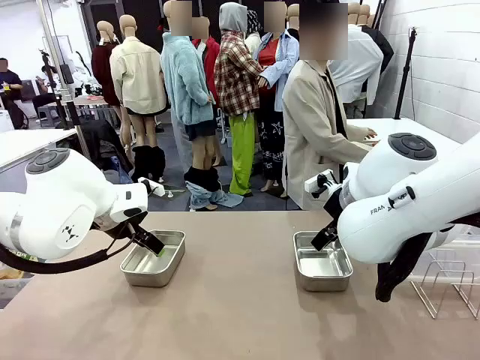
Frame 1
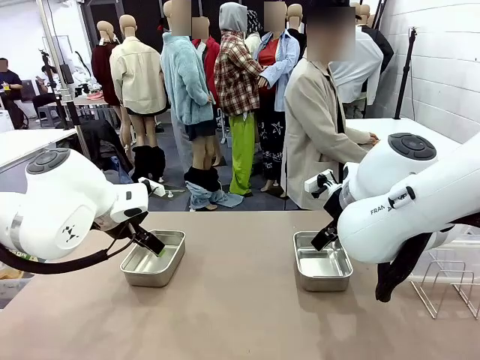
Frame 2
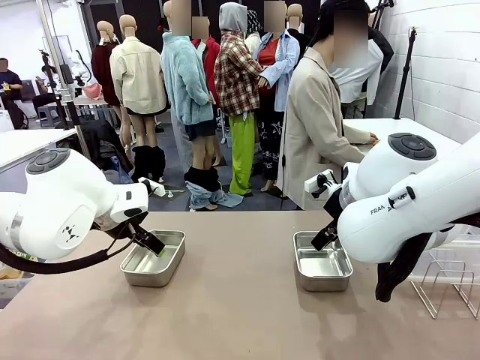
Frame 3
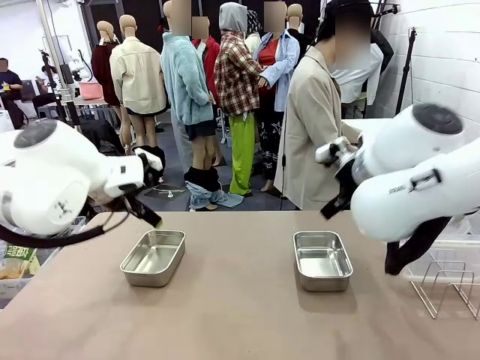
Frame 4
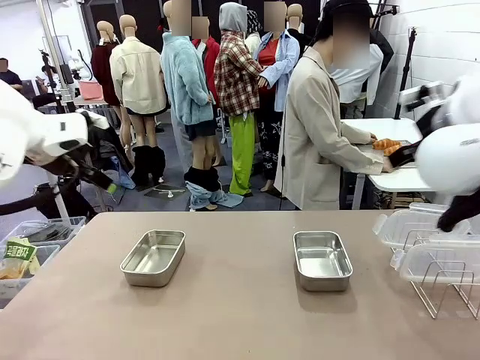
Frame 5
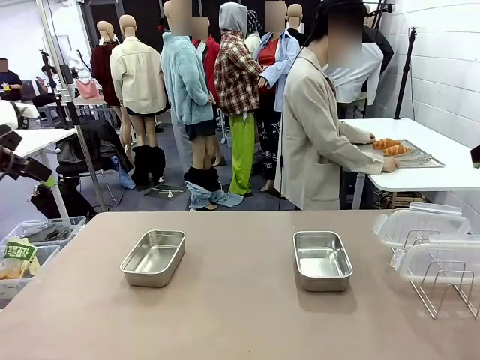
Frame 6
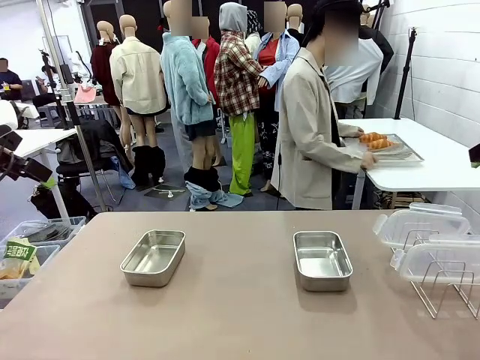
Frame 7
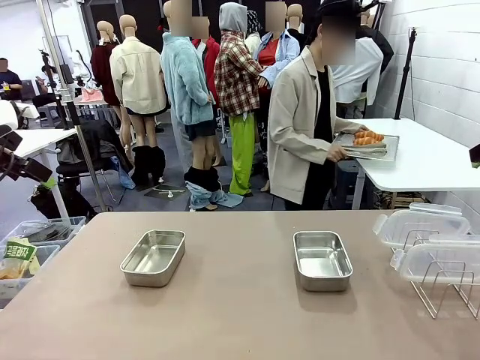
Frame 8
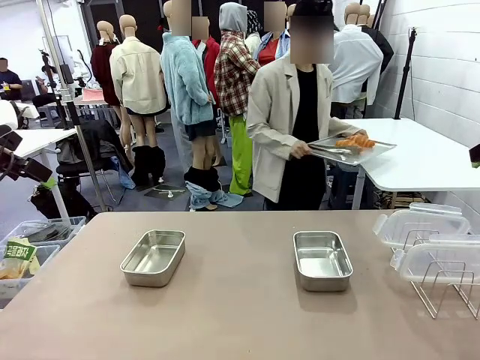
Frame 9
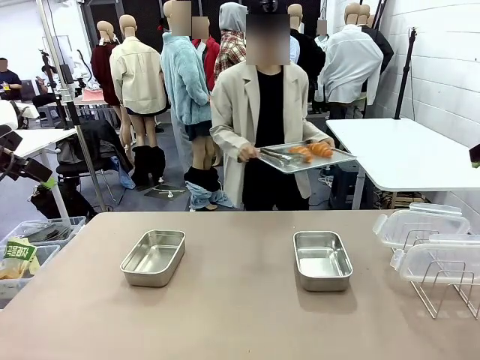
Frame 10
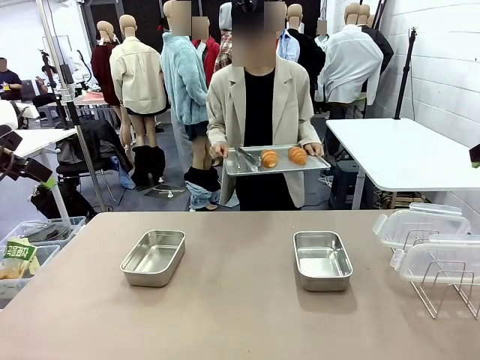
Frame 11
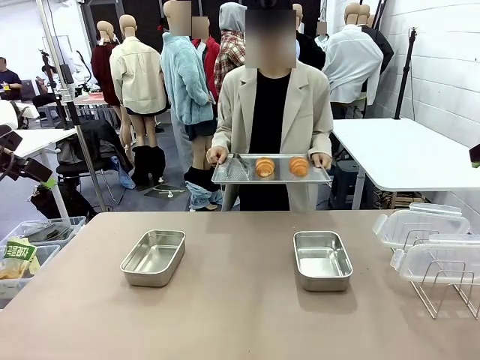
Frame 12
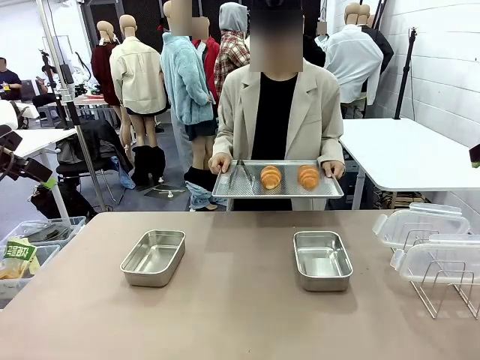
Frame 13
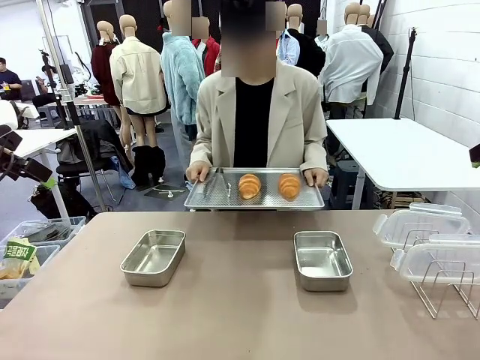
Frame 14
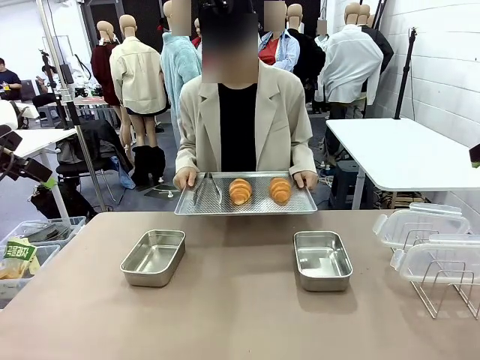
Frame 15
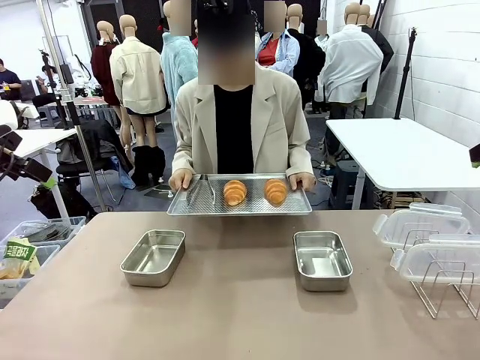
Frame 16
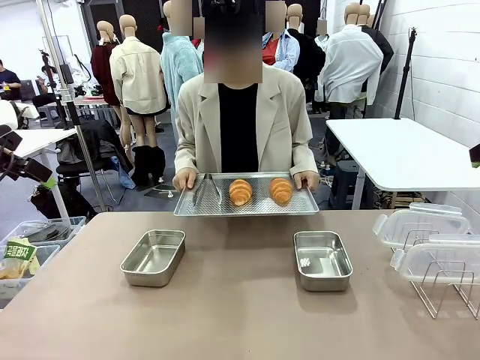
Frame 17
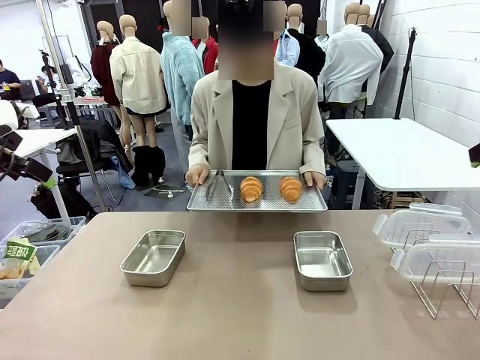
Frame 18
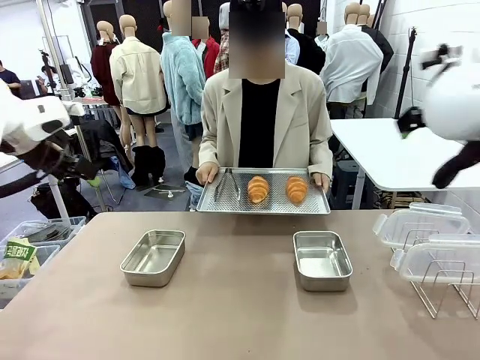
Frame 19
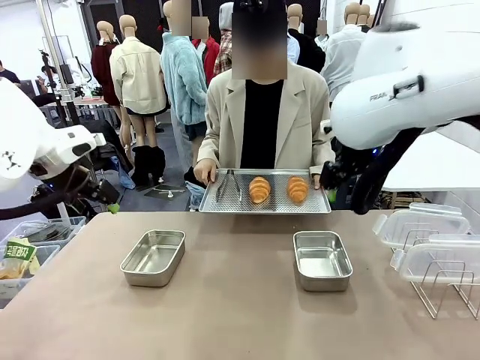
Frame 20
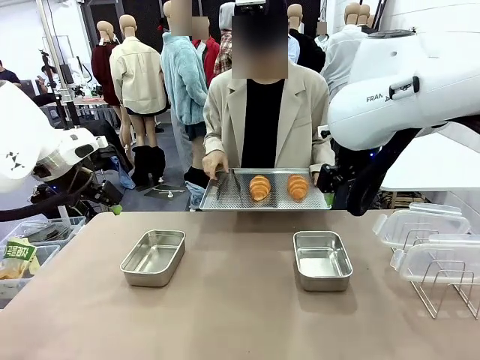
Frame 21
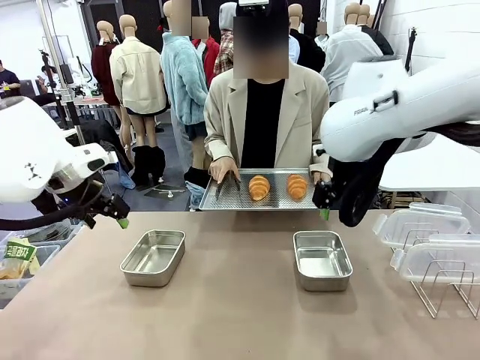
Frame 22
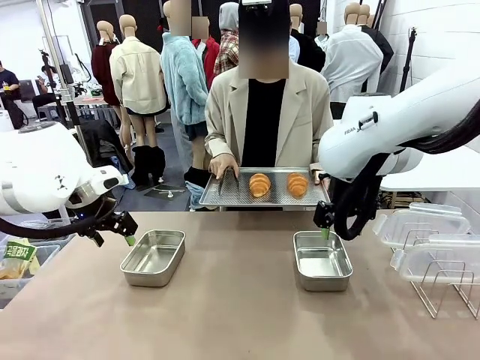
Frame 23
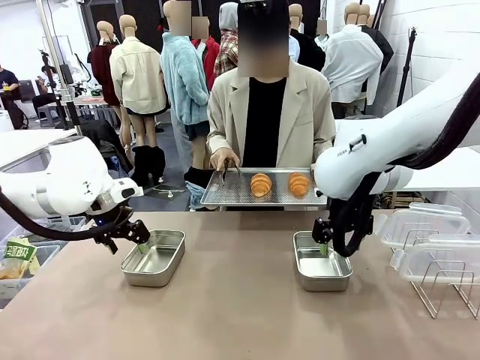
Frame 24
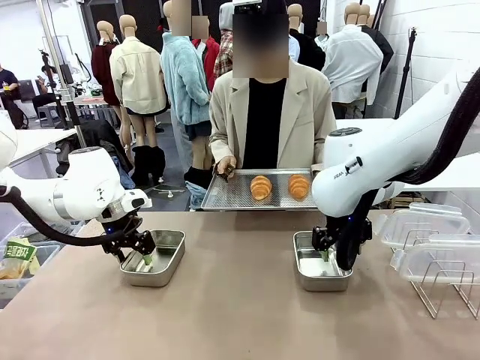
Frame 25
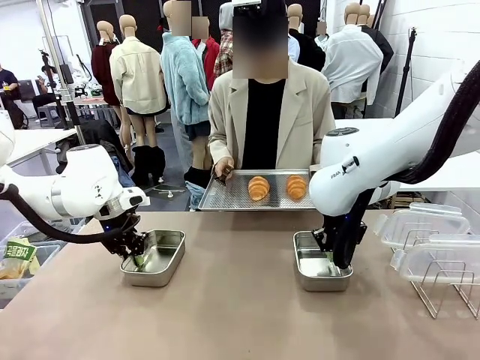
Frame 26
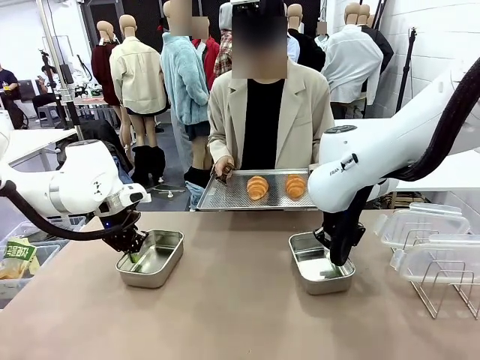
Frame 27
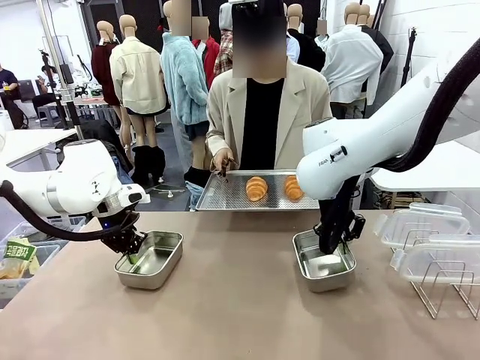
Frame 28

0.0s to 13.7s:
Task: Place the bread in airtight containers.
Robot: Lift both Airtight Container.
Person: Bring the Baking Sheet in front of Robot's Table.

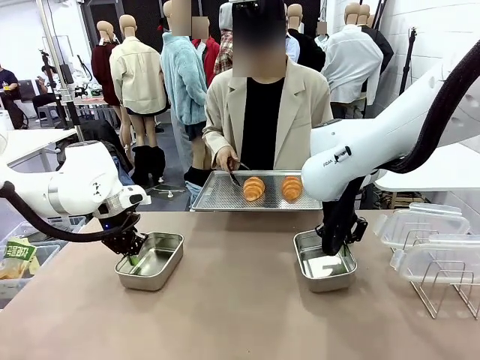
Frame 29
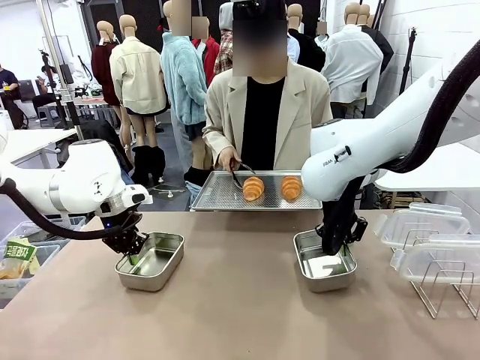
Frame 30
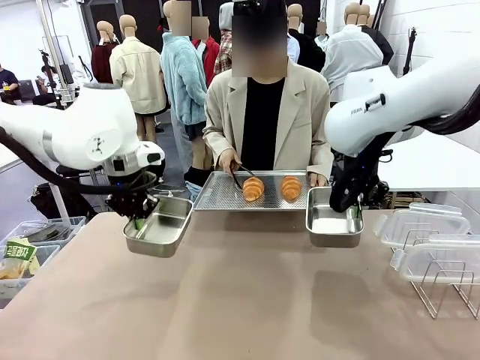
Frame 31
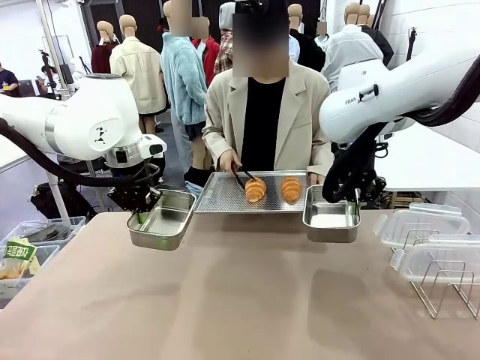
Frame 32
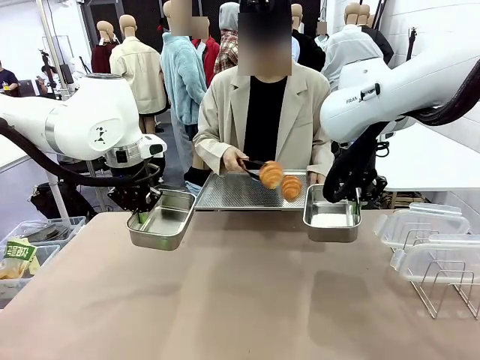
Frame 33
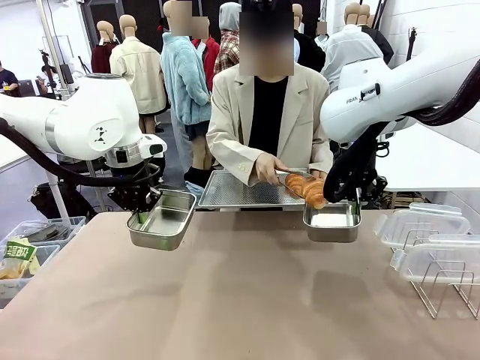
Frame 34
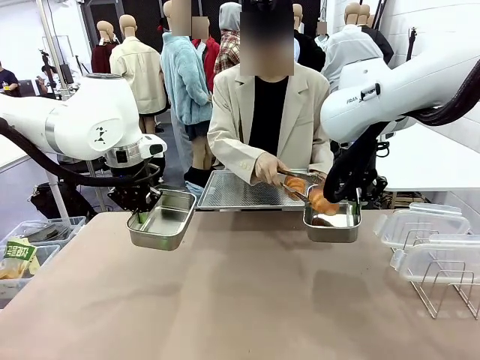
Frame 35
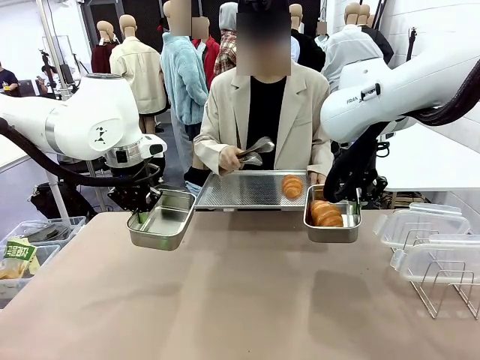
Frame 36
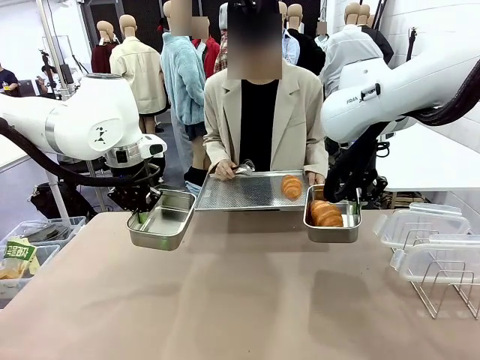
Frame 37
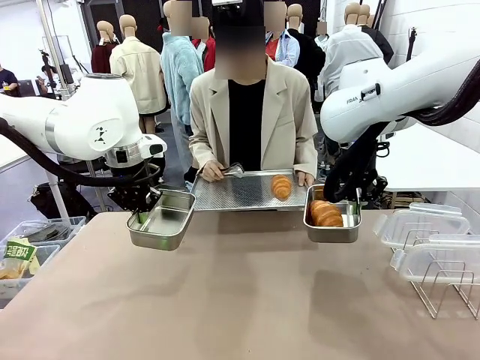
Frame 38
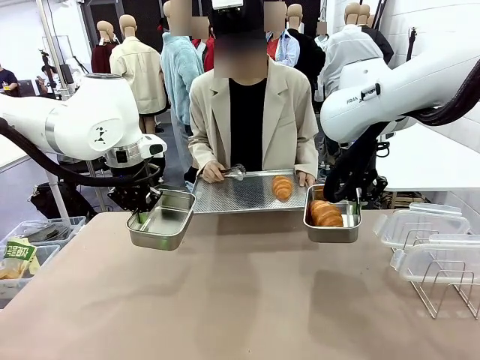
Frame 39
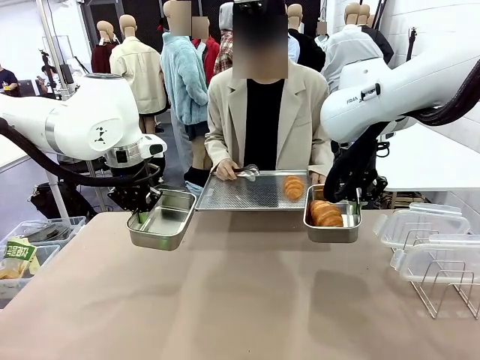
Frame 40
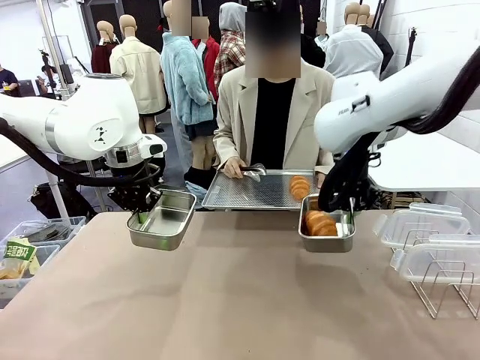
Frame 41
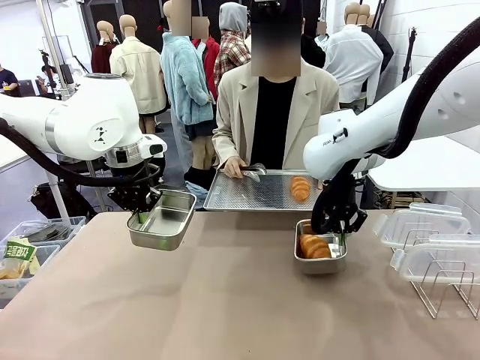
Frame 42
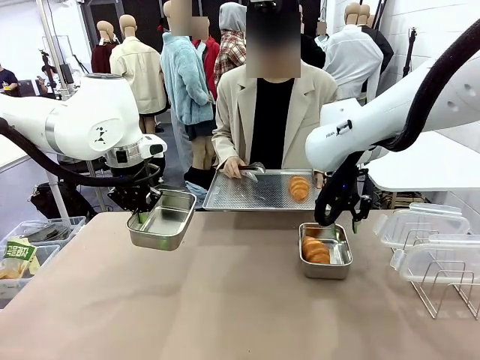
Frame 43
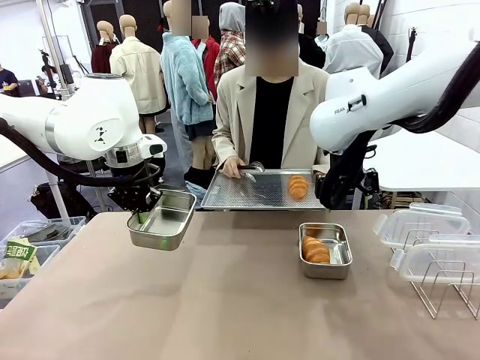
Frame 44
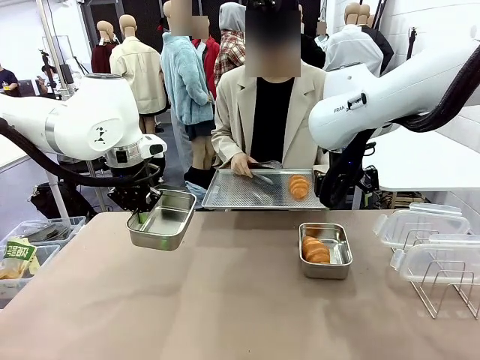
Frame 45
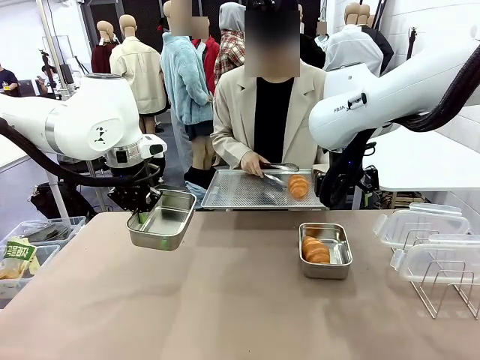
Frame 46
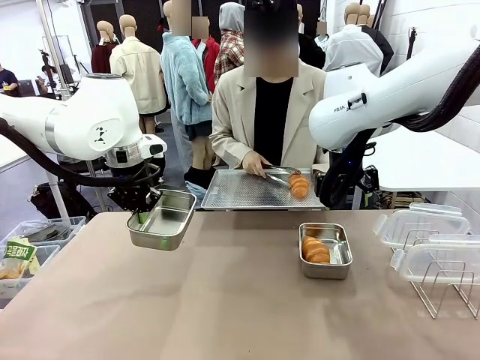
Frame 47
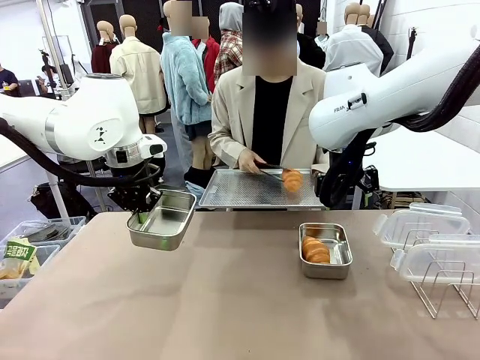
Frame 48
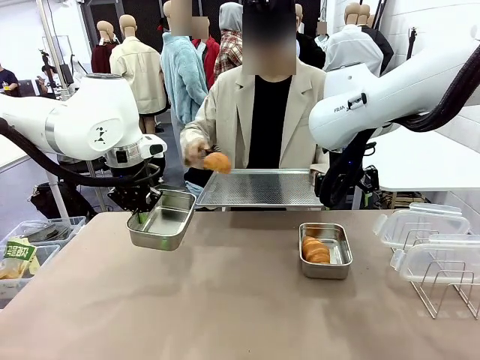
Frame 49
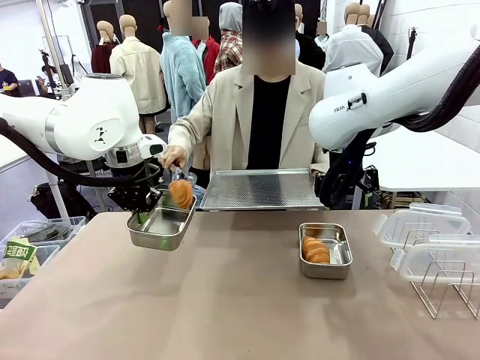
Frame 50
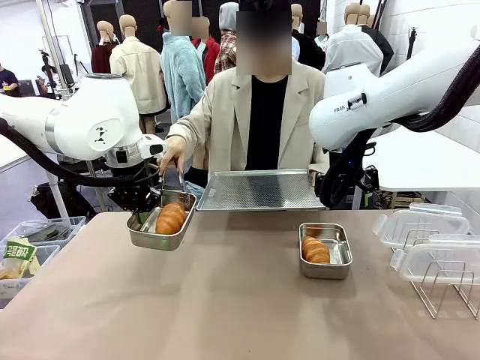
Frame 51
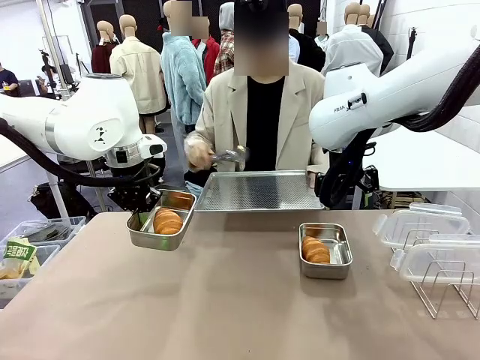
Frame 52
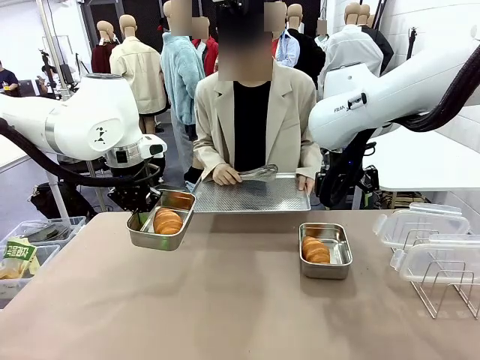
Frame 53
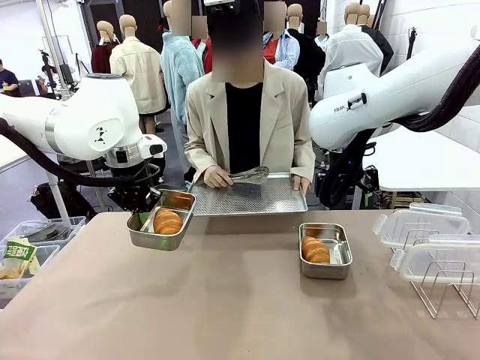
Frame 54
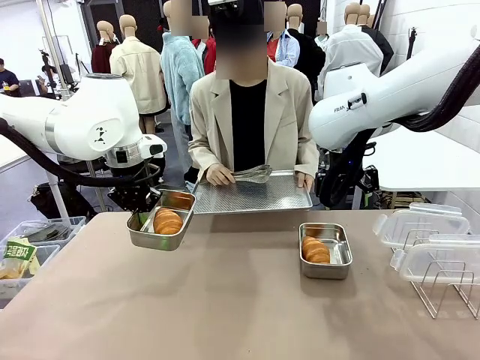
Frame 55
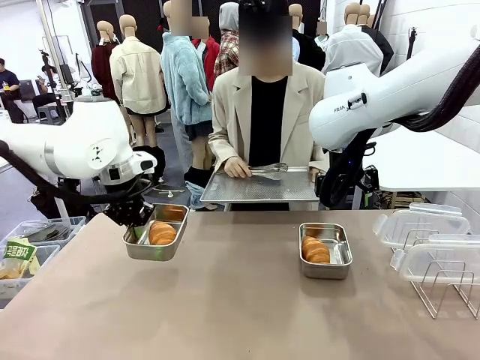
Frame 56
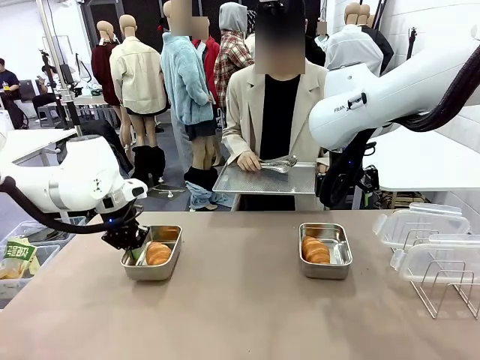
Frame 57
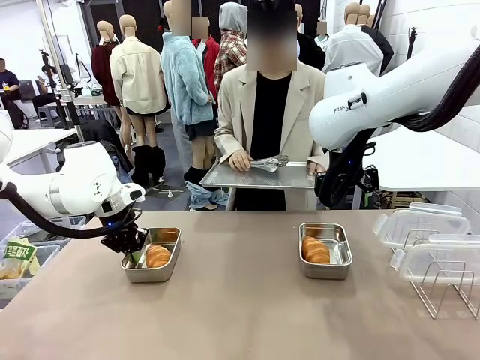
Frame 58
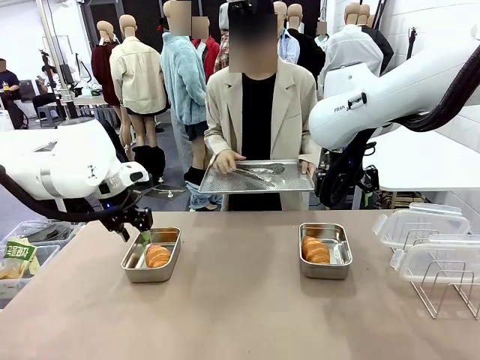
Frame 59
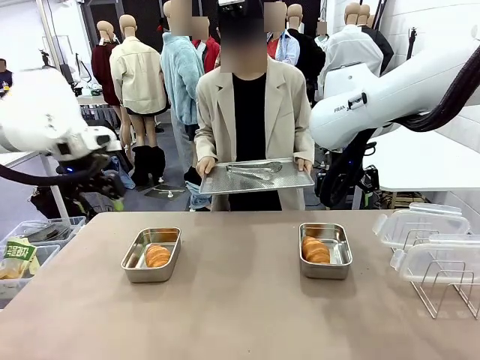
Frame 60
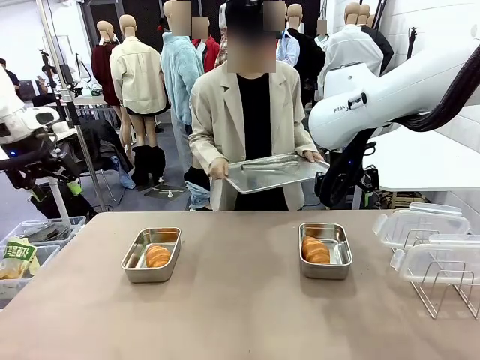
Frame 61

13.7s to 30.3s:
Robot: Once an object is inside an Airtight Container , place the container in the center of the table.
Person: Use the Stainless steel tongs to place one object from Baking Sheet into one Airtight Container.
